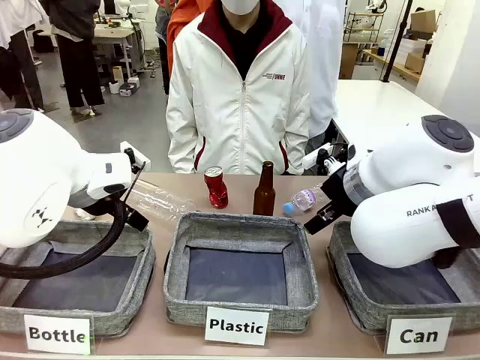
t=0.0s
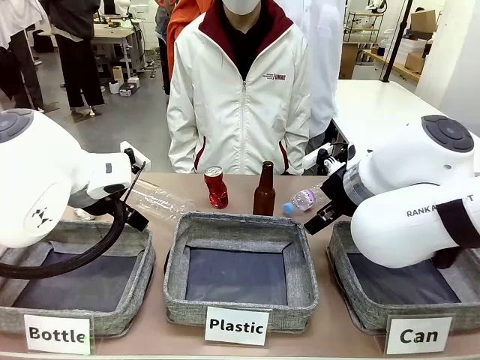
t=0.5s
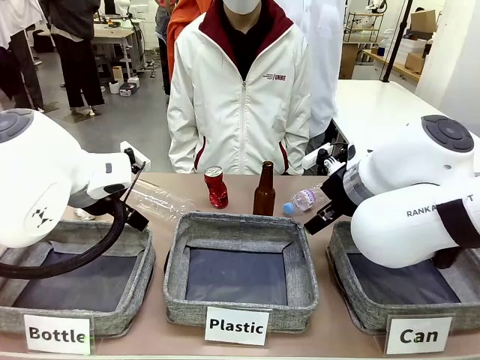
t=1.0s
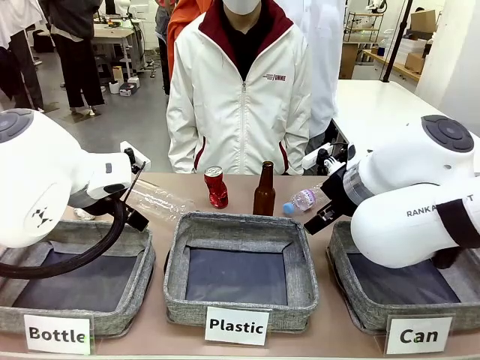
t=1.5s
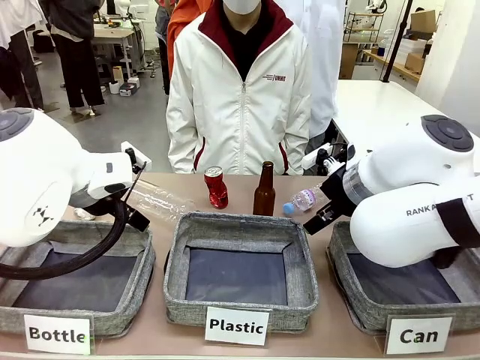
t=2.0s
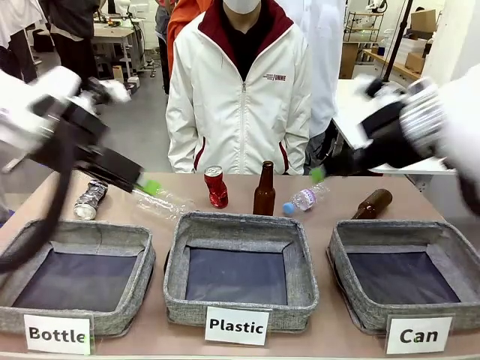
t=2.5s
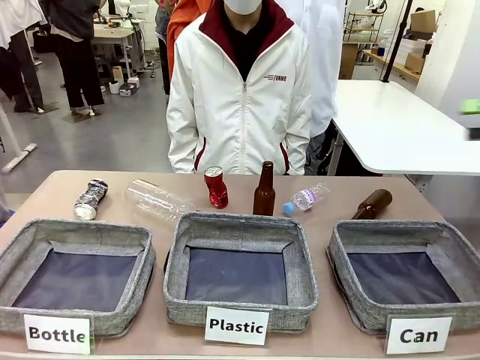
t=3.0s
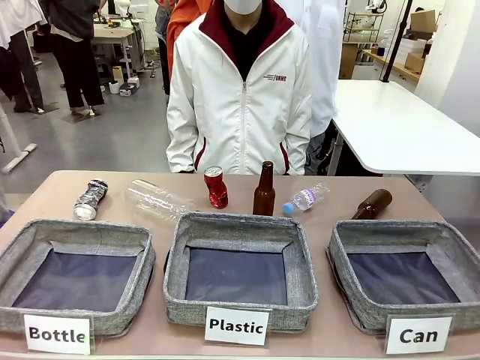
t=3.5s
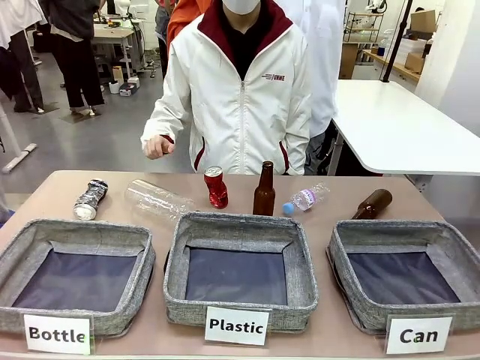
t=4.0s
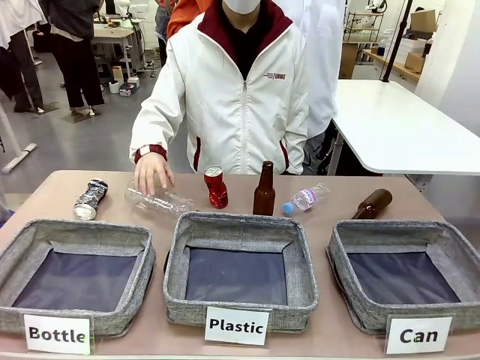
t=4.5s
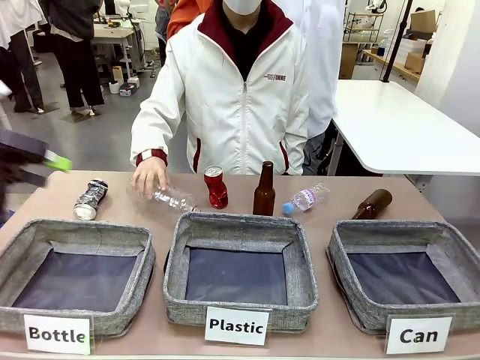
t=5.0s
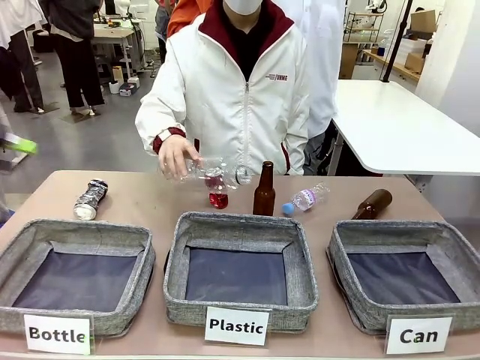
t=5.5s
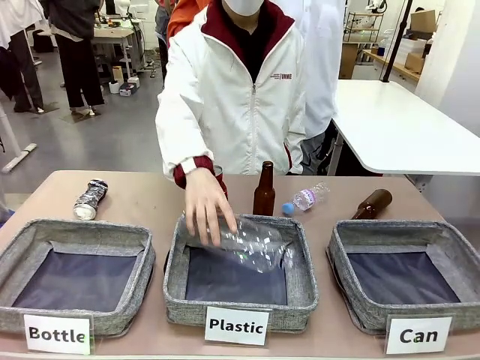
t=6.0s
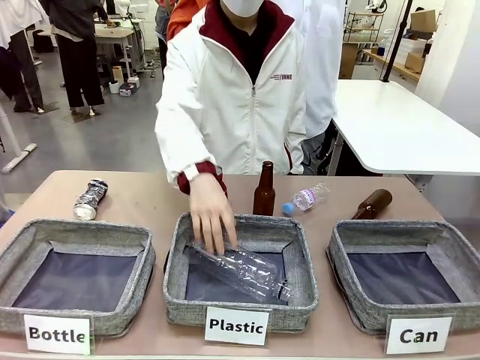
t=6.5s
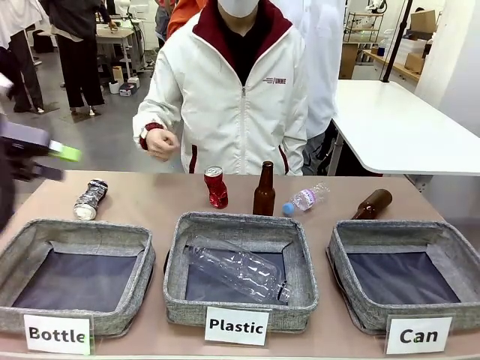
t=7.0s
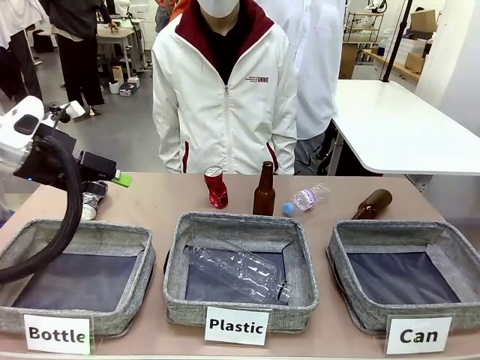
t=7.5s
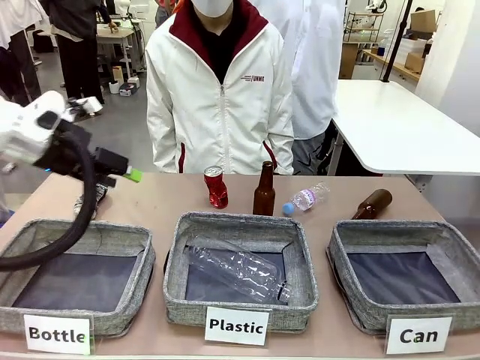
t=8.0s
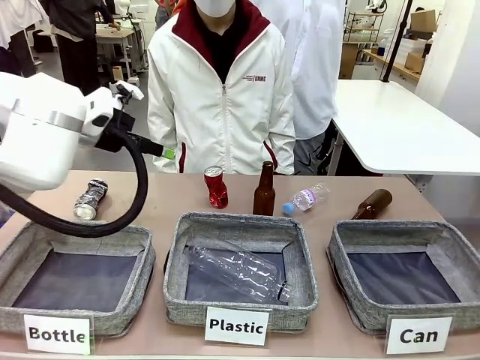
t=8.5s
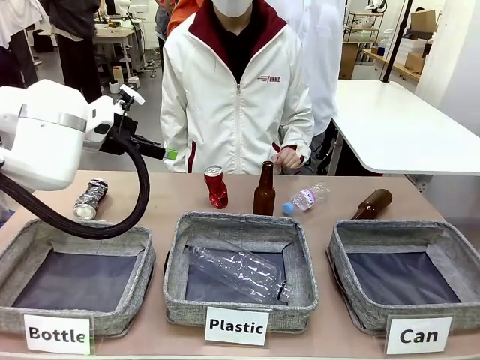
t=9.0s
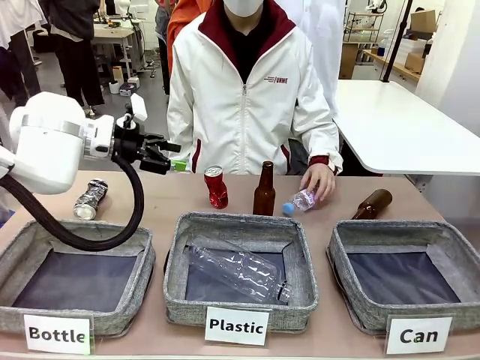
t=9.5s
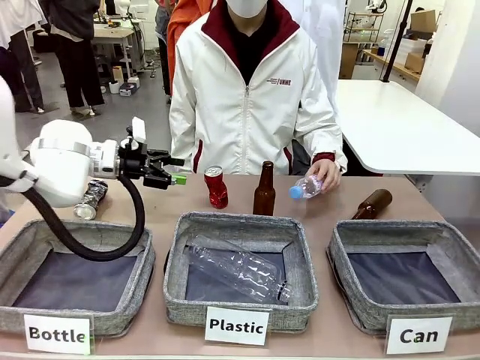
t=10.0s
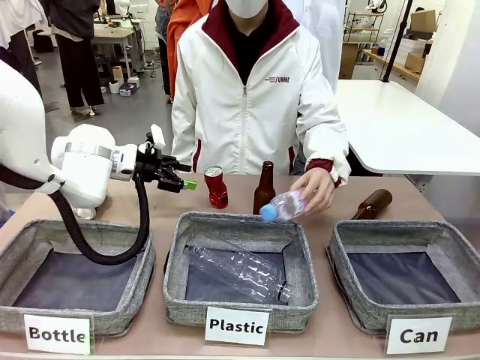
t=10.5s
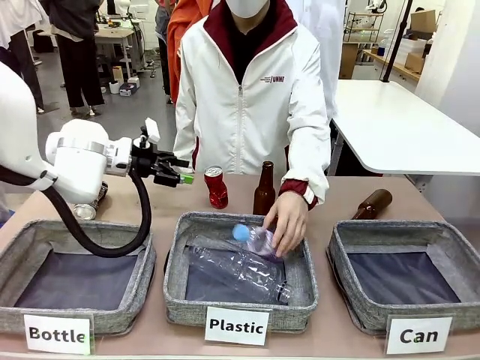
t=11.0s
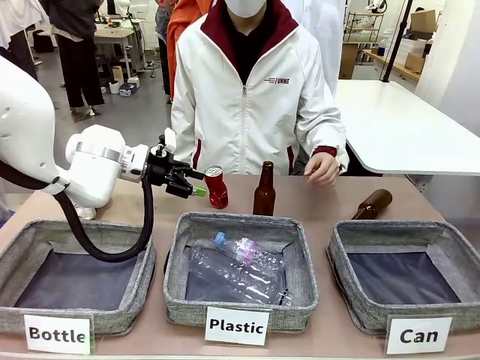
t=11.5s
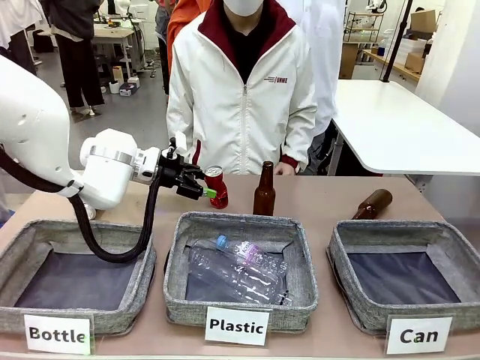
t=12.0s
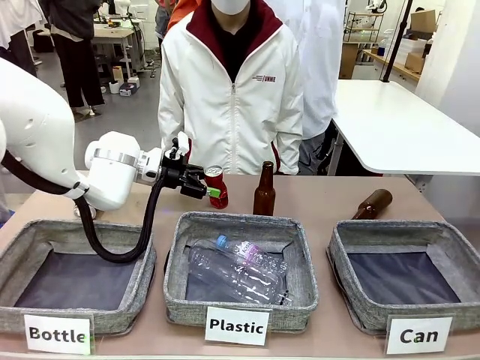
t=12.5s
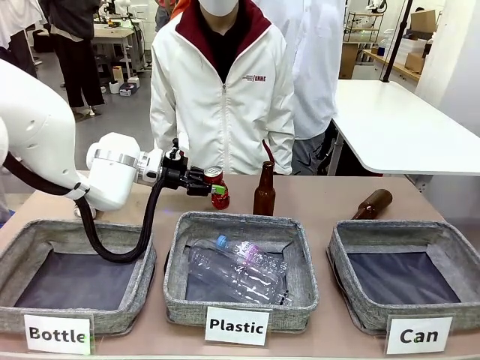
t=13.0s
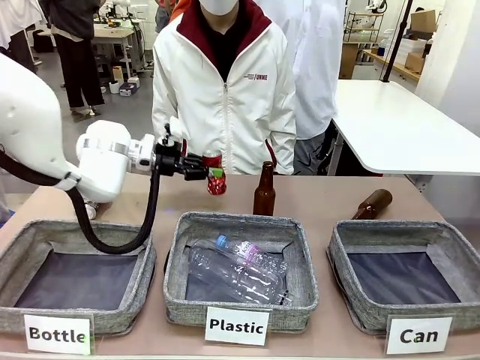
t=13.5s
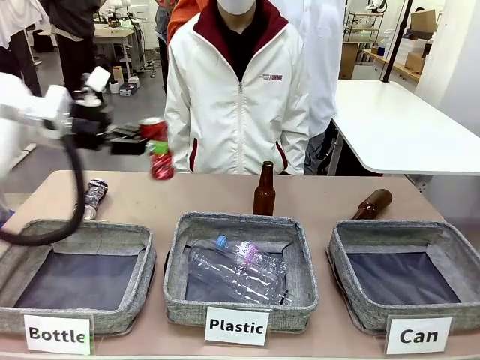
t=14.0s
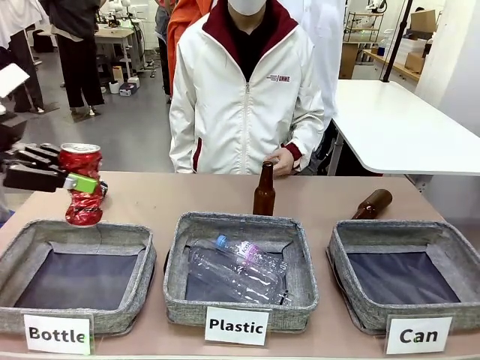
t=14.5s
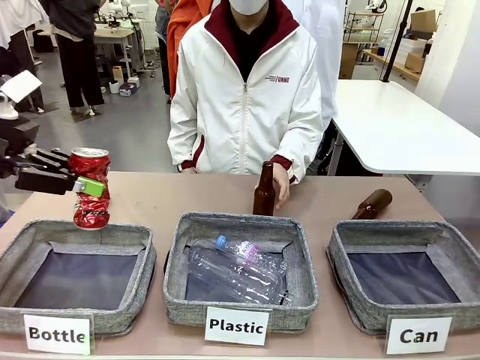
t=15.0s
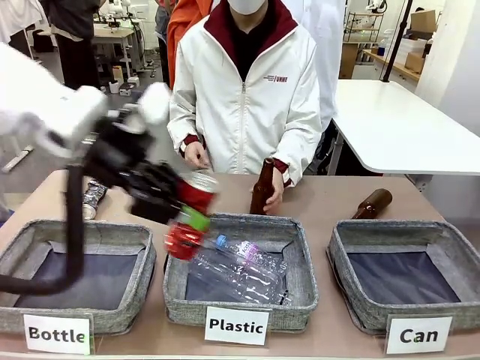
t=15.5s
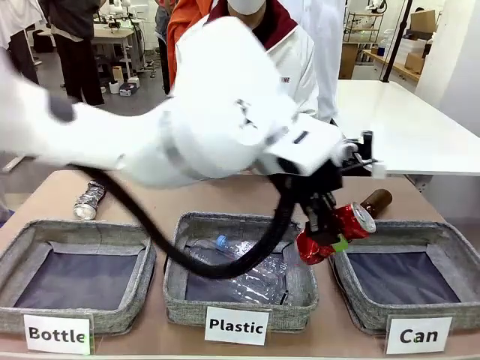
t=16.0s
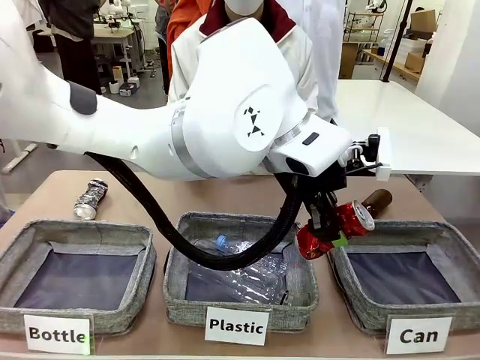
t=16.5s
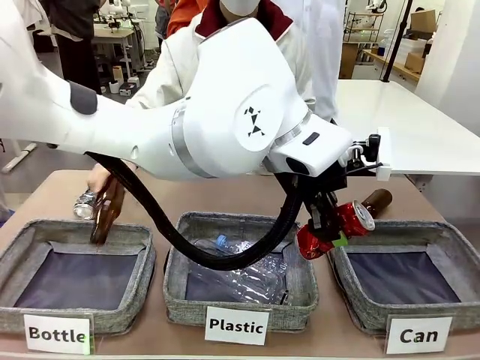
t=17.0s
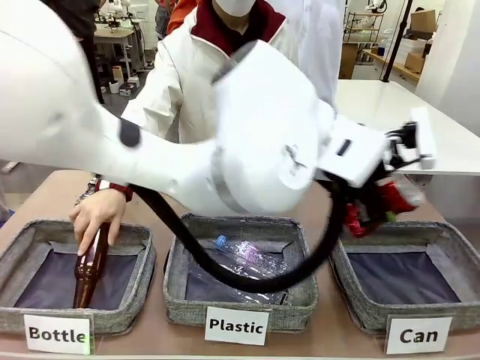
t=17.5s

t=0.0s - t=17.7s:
Task: Sort the can waste into the basket.
Robot: Pick up the can waste from the table and place it in the right Fabric basket.
